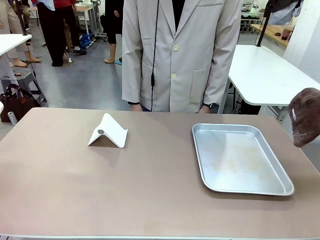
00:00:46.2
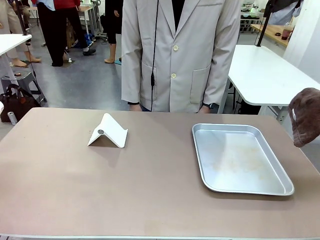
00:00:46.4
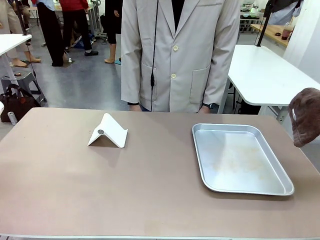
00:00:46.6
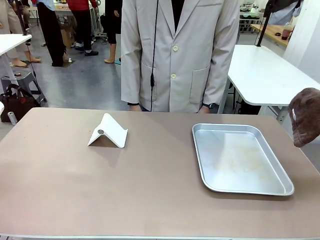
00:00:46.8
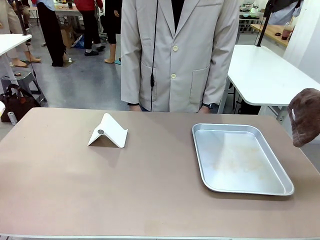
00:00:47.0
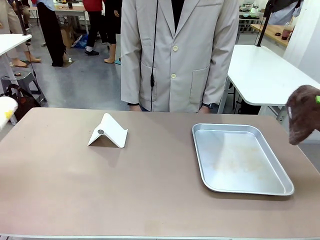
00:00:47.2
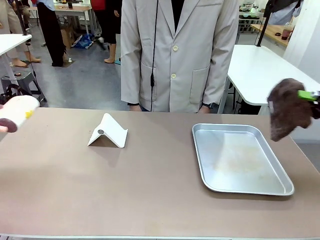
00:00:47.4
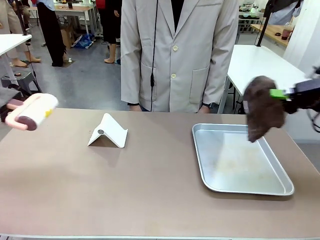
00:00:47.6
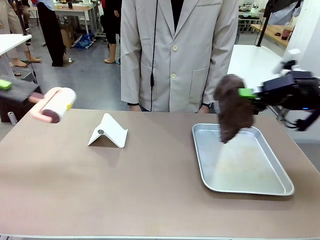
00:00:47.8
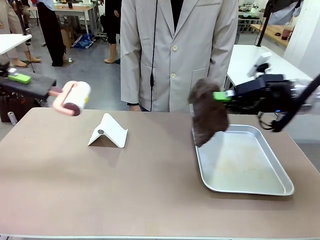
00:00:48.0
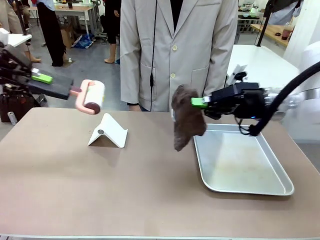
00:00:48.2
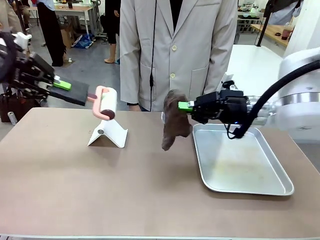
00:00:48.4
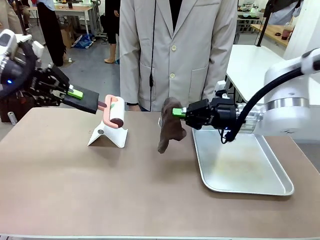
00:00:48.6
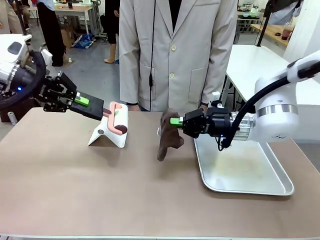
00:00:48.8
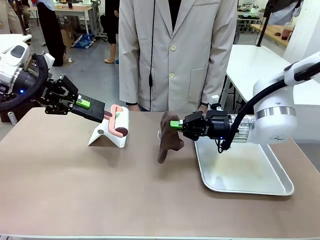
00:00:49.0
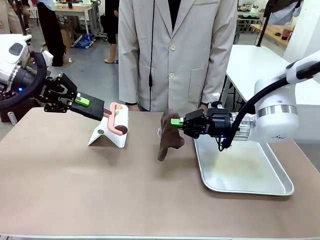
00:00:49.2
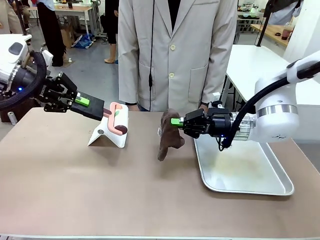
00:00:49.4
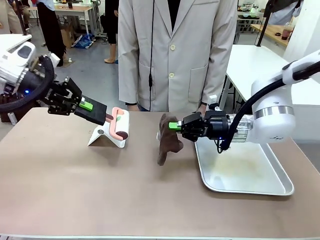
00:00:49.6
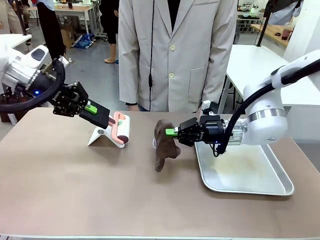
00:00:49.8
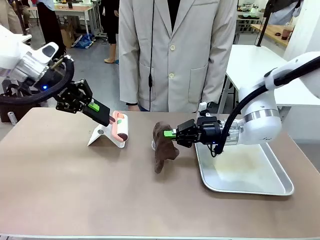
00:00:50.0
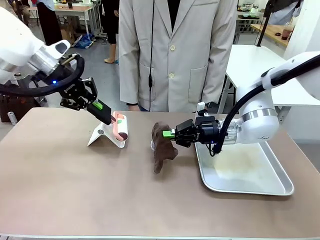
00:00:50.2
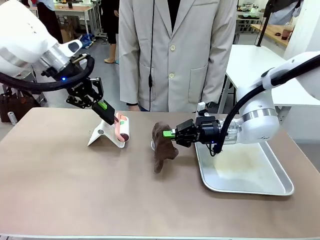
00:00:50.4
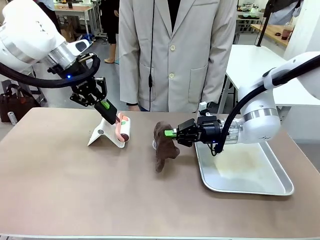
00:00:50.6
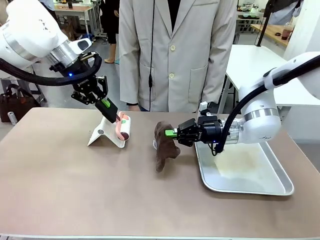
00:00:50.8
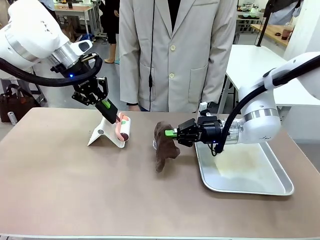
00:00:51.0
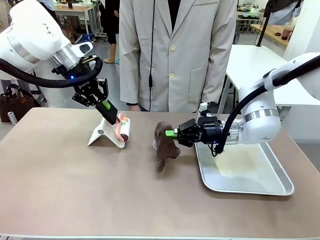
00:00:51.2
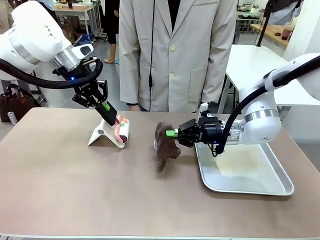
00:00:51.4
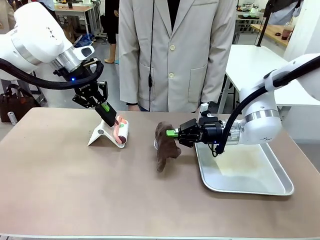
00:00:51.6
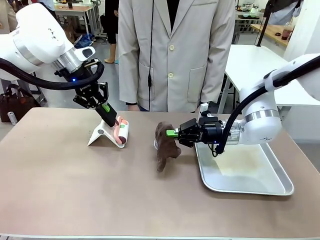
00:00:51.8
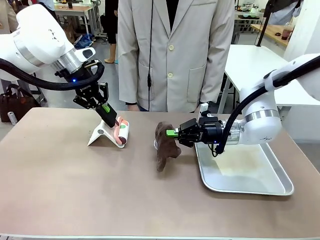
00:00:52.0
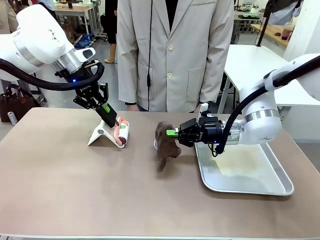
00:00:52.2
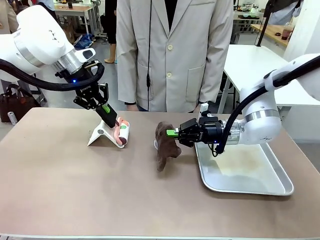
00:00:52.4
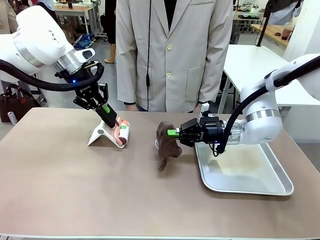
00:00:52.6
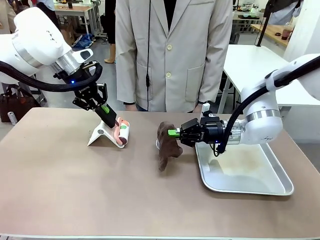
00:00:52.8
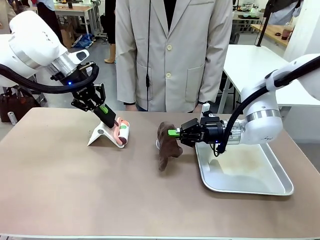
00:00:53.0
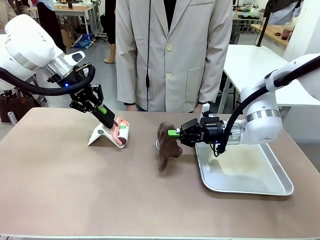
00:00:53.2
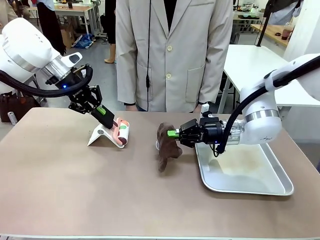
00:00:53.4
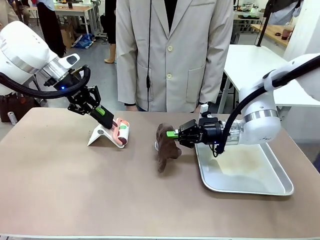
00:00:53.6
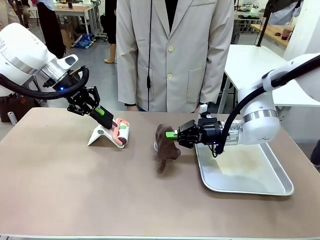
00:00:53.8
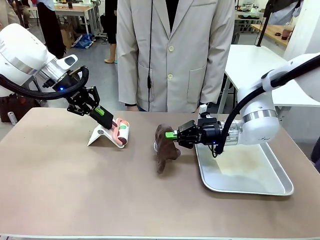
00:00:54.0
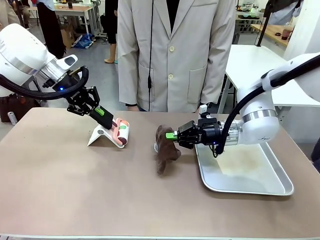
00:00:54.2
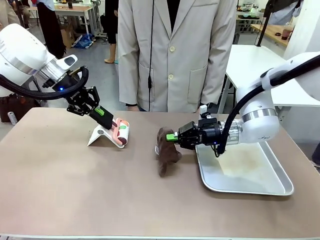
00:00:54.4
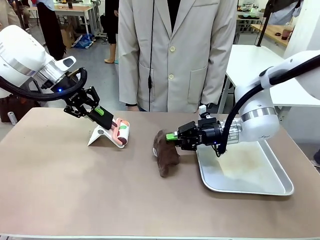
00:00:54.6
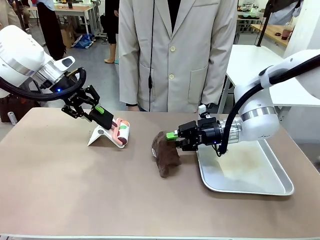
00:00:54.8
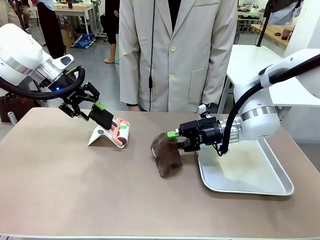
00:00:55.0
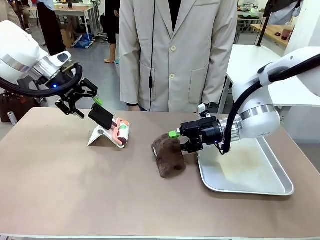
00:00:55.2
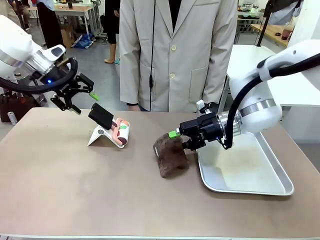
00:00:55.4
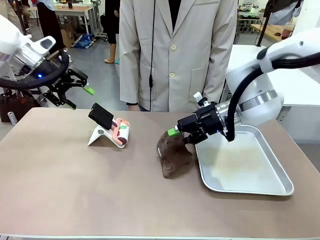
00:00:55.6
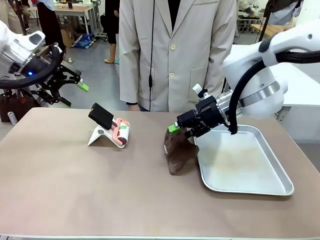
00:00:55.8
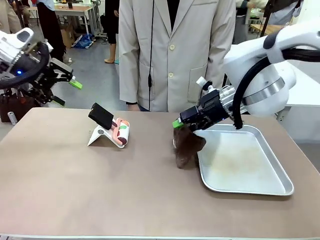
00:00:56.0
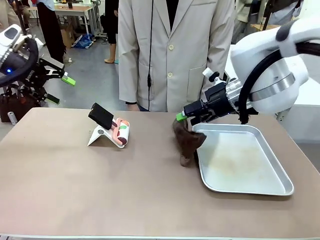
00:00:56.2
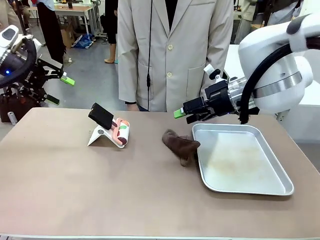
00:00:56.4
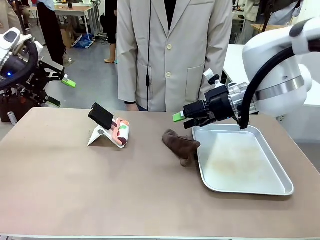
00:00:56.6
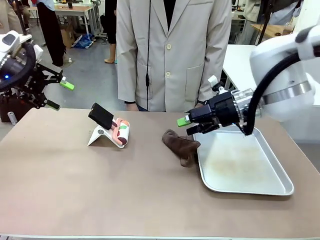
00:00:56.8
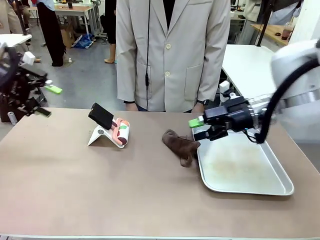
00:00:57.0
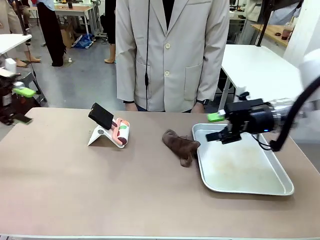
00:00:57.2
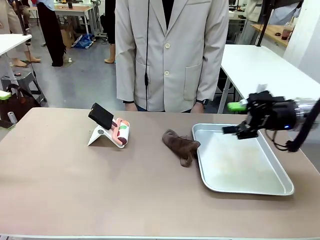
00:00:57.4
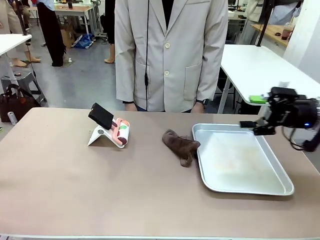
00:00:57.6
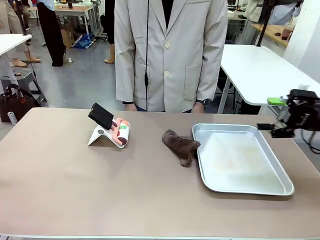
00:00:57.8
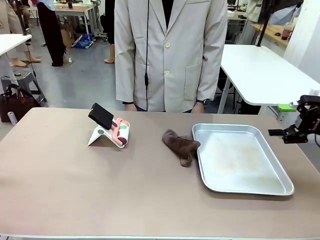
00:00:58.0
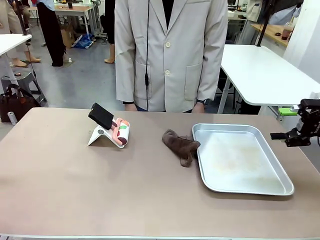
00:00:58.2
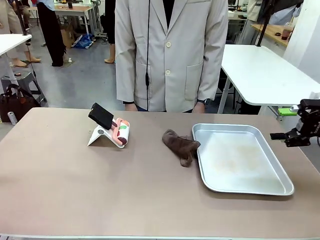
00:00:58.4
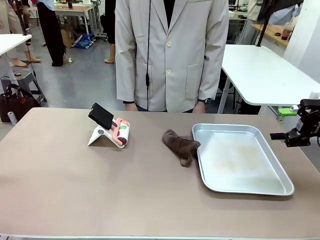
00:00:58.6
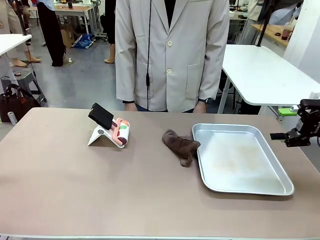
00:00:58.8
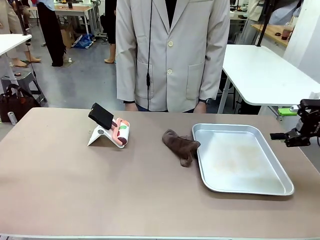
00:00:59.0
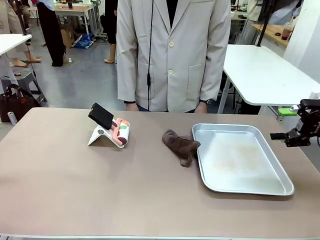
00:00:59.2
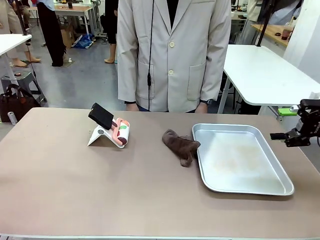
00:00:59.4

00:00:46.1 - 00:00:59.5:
Task: Clean the surface of the table.
Robot: Return the Lint Roller and towel to their original positions.

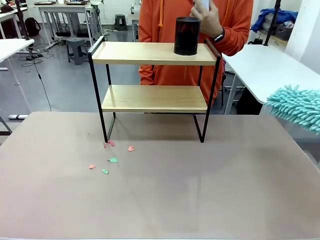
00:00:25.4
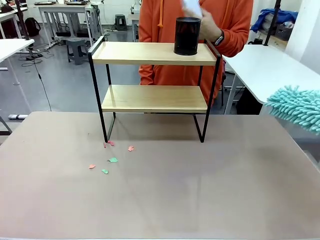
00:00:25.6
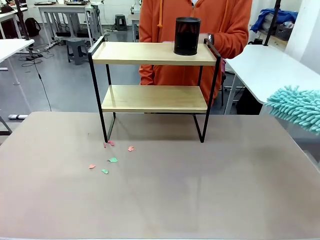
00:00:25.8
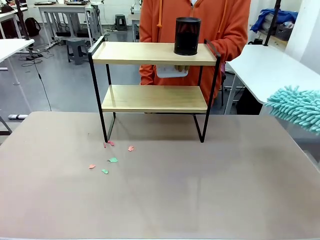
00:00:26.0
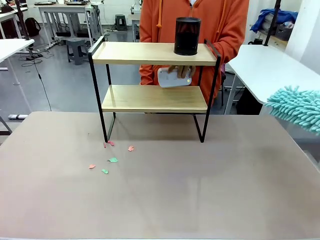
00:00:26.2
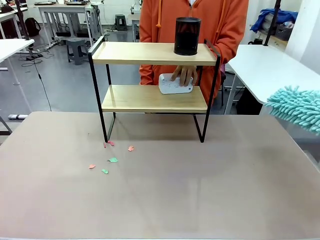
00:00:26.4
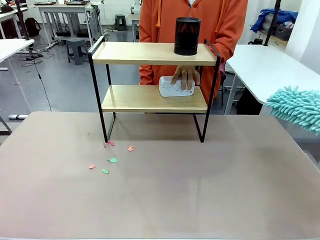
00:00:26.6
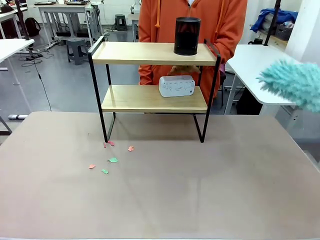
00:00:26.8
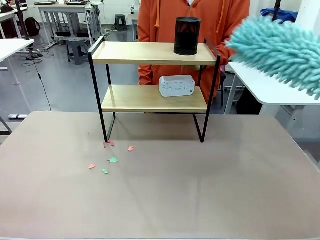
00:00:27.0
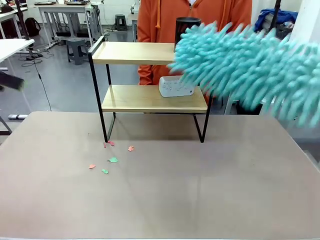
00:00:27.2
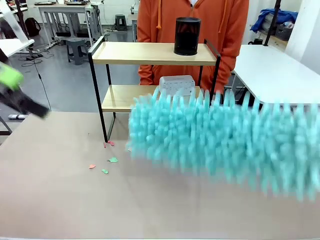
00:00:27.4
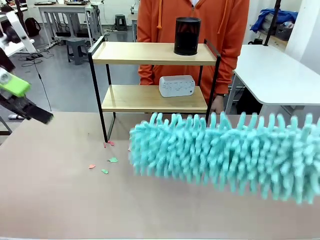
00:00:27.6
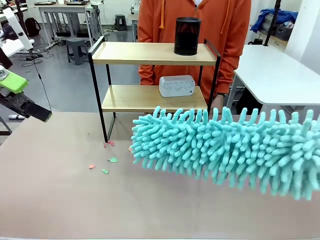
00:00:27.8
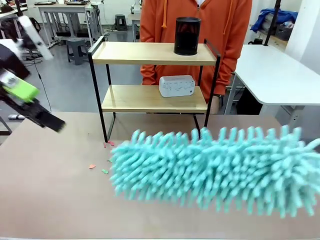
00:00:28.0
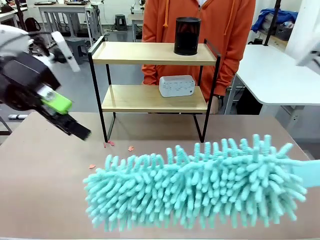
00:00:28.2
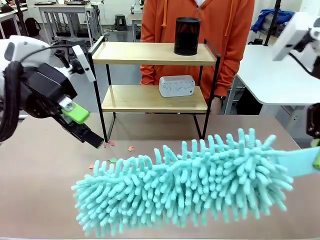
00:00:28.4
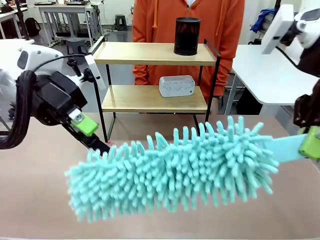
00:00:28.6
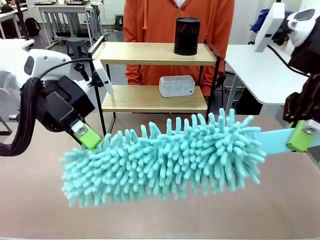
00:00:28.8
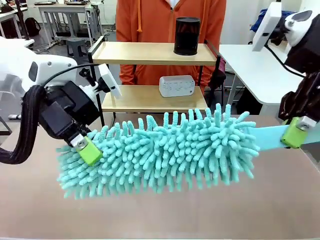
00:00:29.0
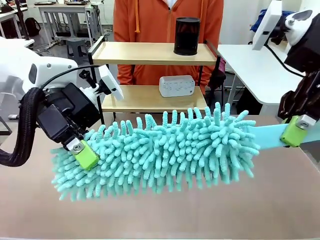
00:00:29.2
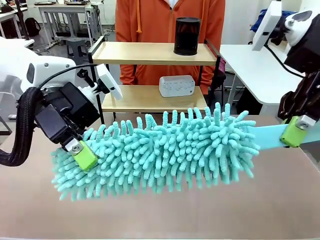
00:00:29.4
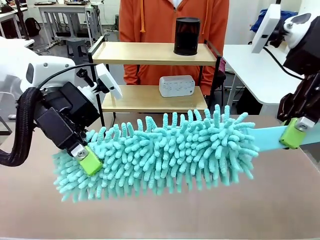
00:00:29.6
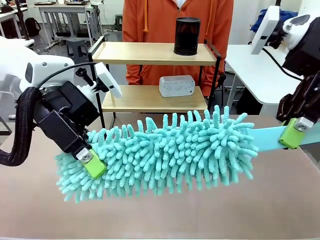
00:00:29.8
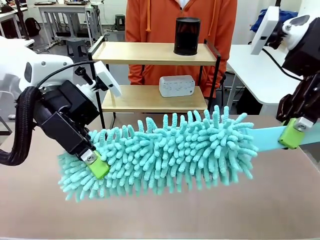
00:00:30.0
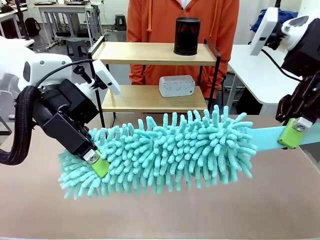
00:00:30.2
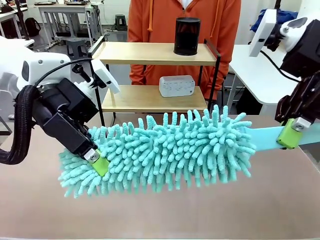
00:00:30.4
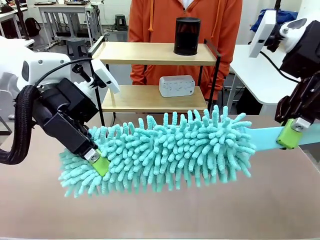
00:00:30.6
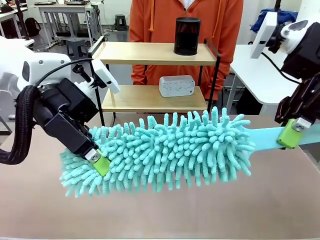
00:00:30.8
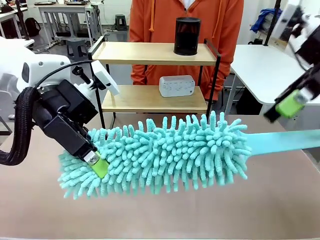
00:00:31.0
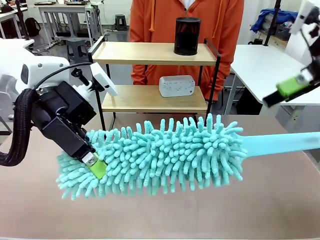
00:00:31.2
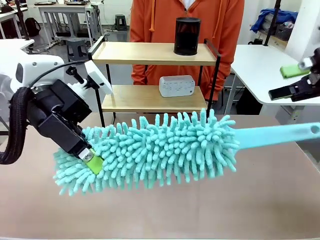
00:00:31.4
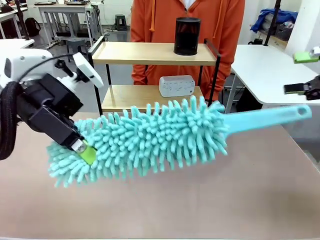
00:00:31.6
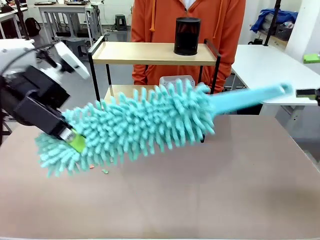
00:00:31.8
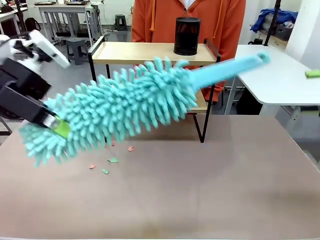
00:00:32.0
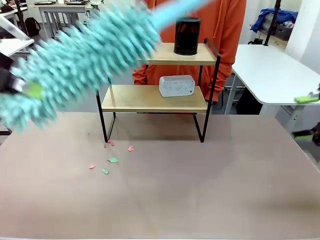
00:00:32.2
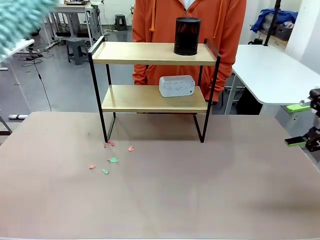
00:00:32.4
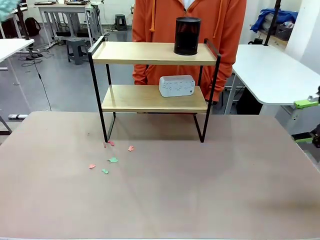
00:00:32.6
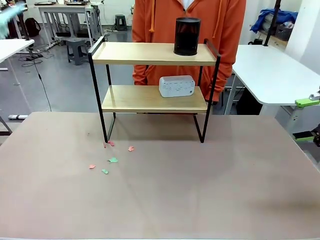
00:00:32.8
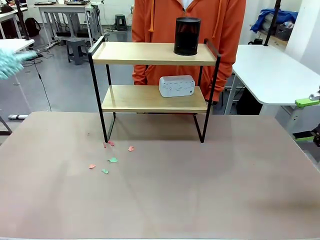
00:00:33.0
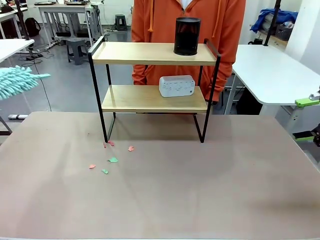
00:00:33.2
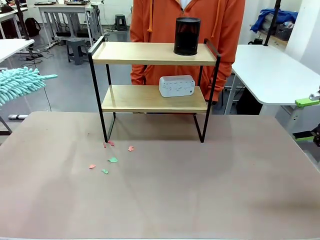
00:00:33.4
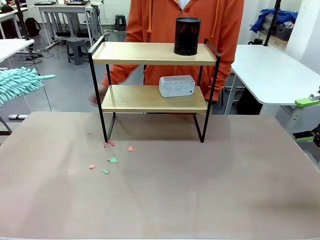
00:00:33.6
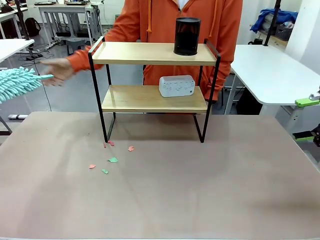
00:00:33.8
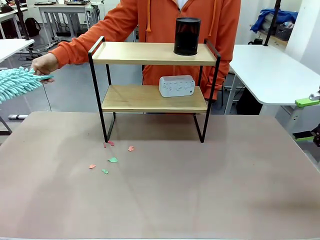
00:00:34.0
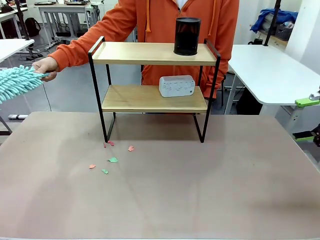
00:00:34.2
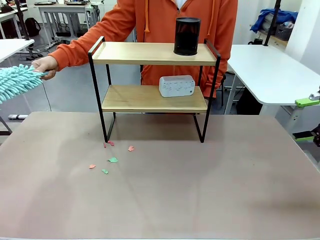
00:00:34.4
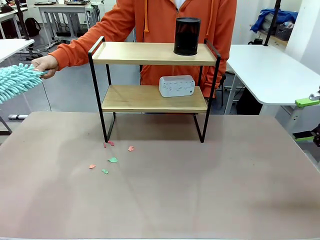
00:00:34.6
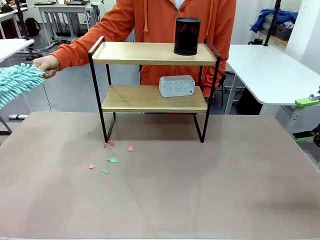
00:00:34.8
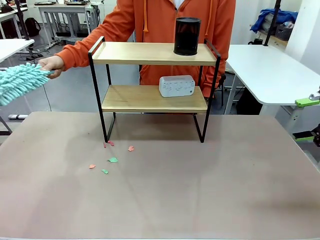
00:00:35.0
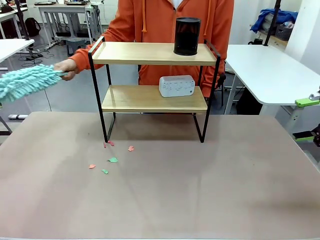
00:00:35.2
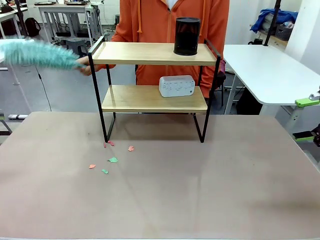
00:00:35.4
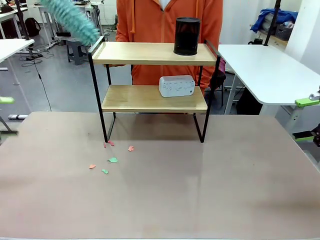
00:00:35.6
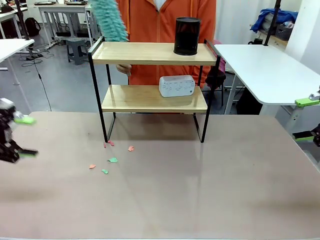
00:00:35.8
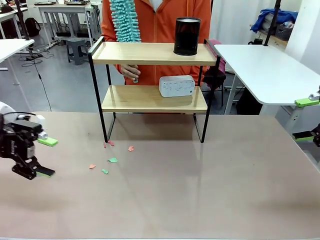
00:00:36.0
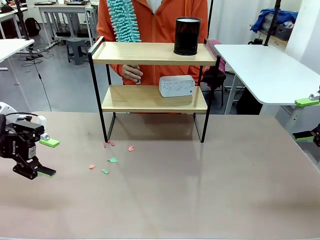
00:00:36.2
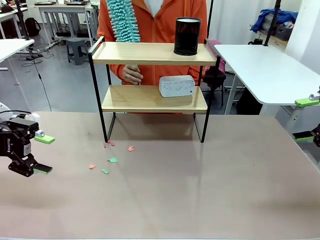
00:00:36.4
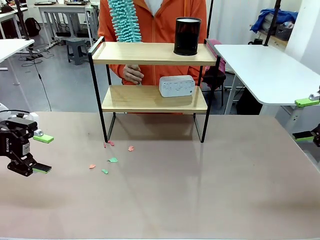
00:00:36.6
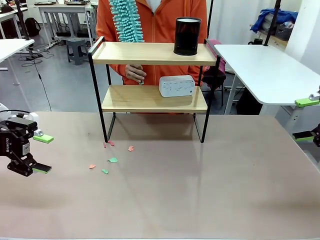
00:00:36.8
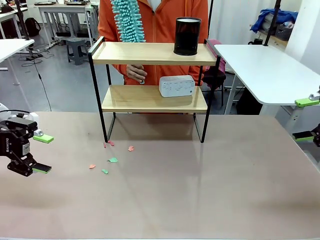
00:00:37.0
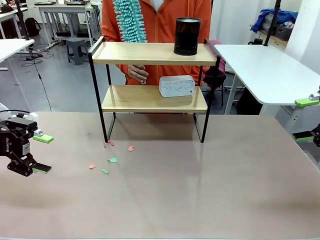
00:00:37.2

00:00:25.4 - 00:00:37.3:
Task: Clean the shelf.
Robot: Hand the Duster back to the human.
Person: Receive the Duster from the robot.
